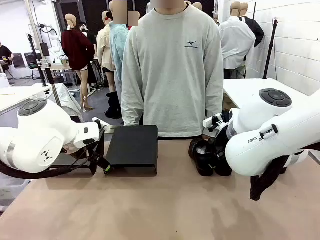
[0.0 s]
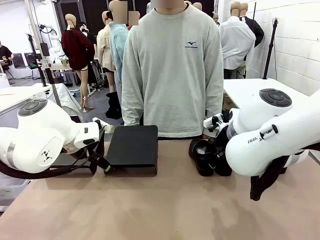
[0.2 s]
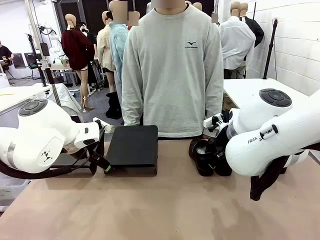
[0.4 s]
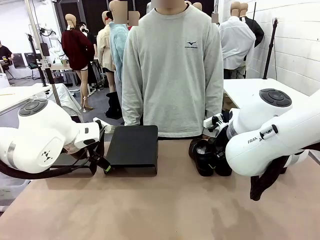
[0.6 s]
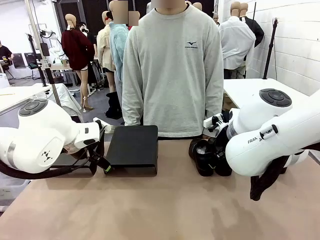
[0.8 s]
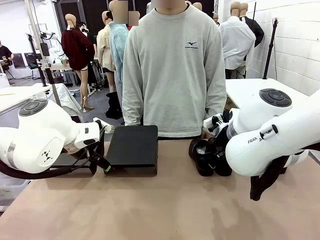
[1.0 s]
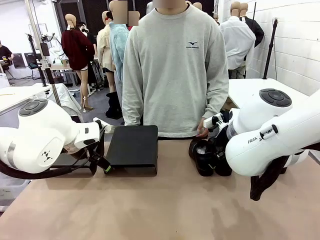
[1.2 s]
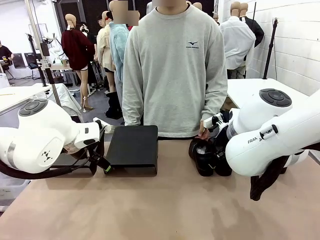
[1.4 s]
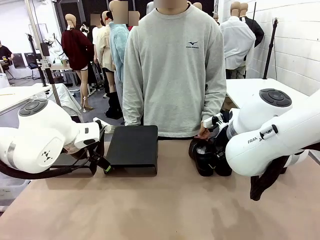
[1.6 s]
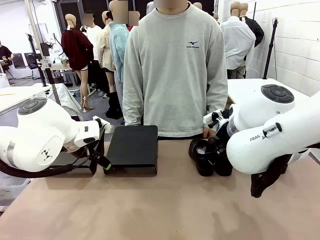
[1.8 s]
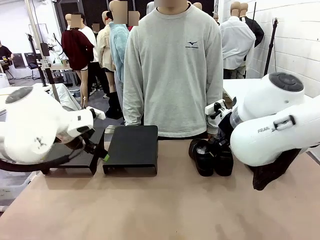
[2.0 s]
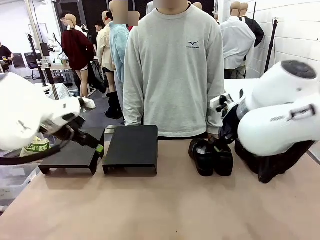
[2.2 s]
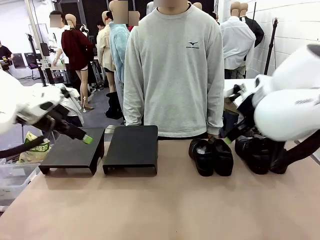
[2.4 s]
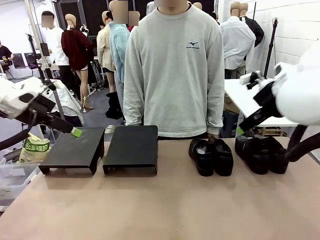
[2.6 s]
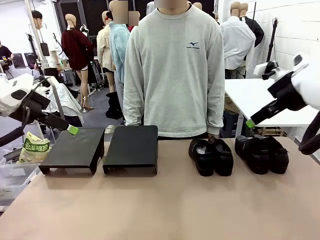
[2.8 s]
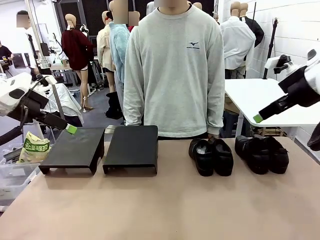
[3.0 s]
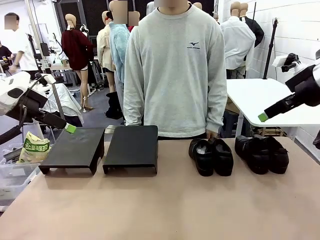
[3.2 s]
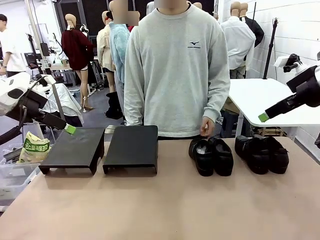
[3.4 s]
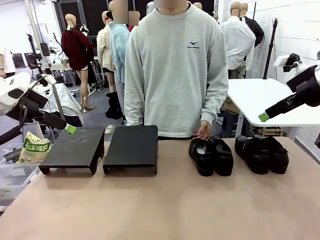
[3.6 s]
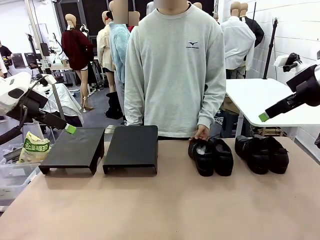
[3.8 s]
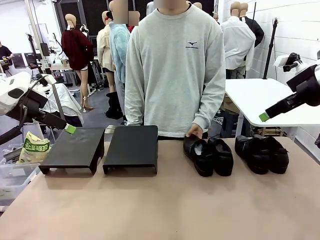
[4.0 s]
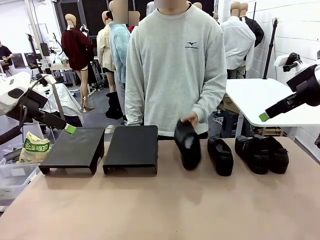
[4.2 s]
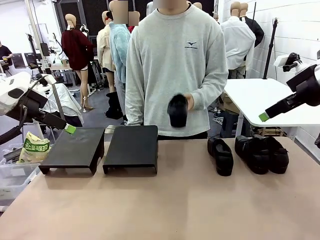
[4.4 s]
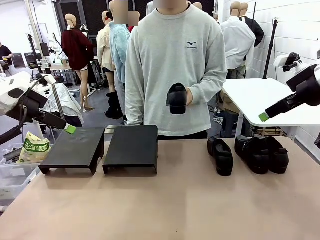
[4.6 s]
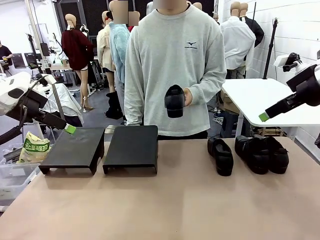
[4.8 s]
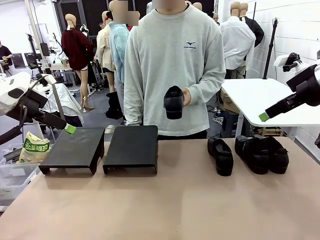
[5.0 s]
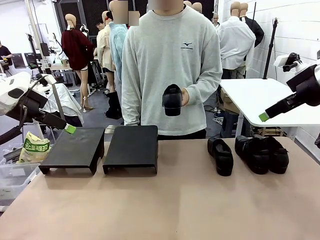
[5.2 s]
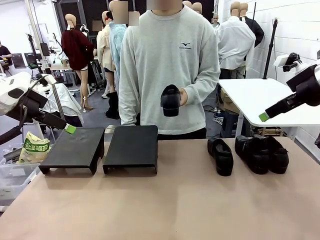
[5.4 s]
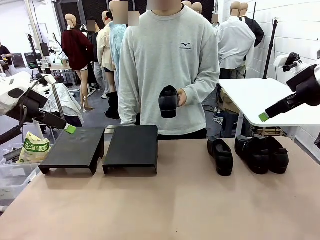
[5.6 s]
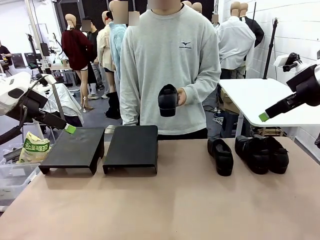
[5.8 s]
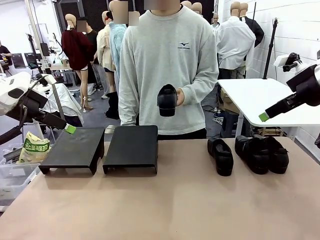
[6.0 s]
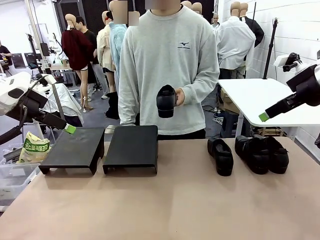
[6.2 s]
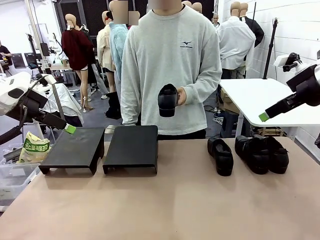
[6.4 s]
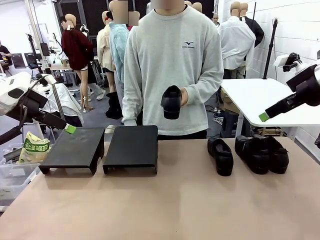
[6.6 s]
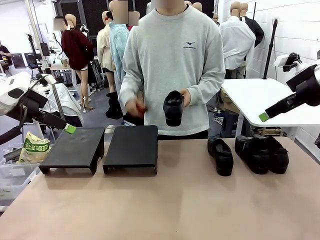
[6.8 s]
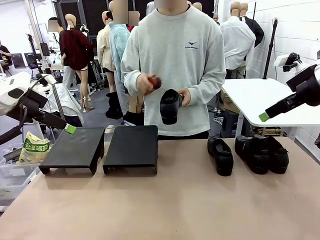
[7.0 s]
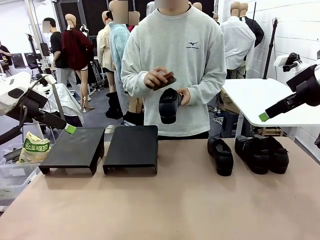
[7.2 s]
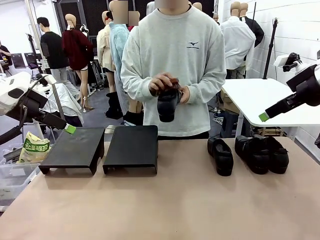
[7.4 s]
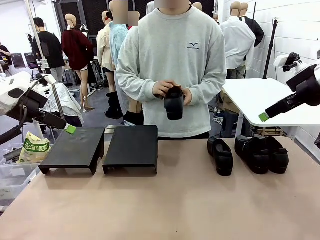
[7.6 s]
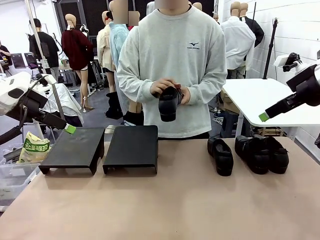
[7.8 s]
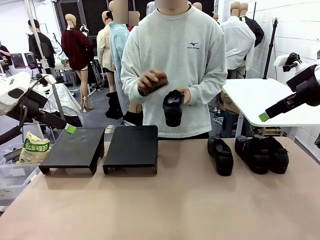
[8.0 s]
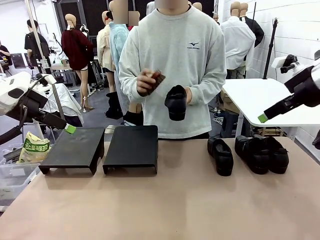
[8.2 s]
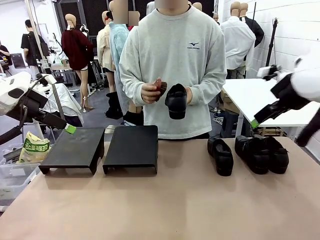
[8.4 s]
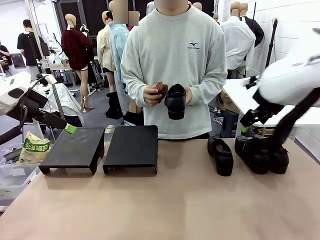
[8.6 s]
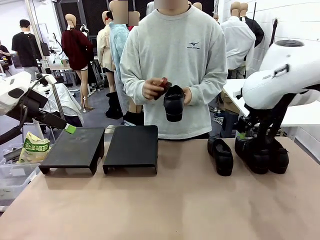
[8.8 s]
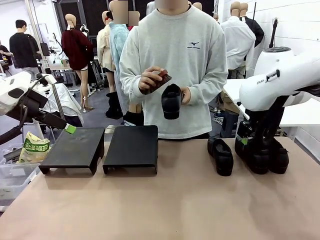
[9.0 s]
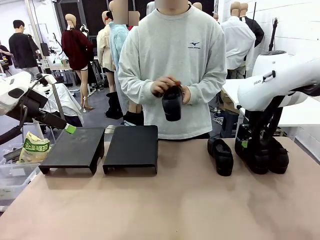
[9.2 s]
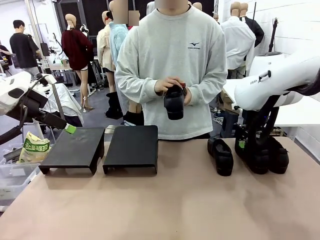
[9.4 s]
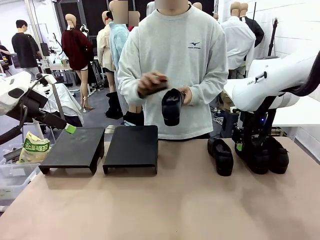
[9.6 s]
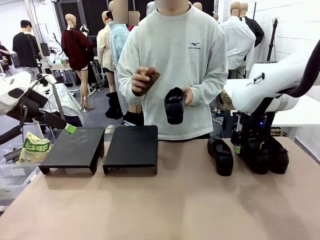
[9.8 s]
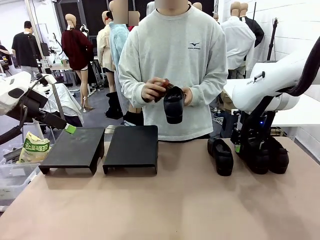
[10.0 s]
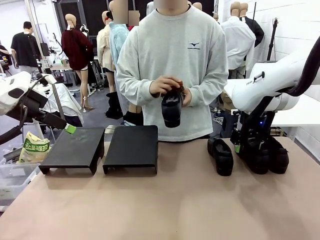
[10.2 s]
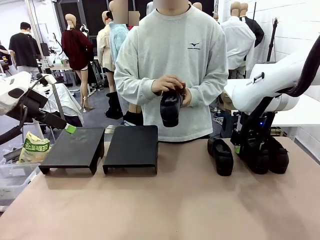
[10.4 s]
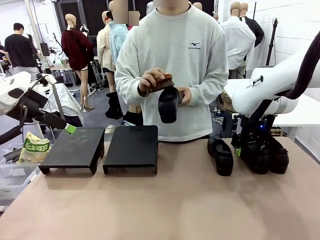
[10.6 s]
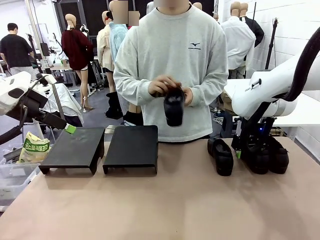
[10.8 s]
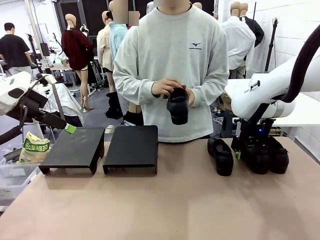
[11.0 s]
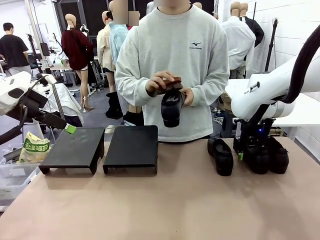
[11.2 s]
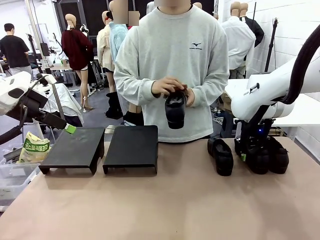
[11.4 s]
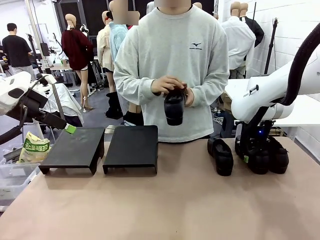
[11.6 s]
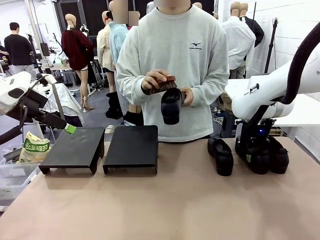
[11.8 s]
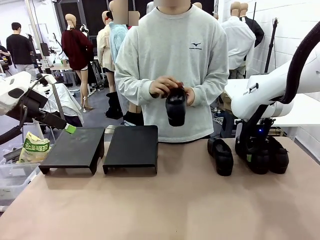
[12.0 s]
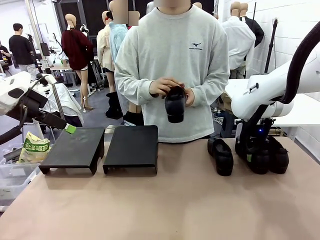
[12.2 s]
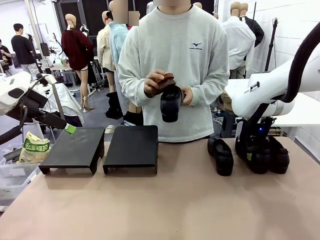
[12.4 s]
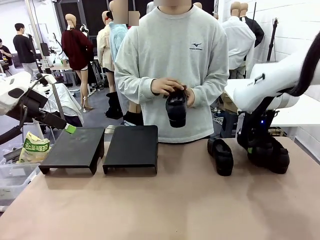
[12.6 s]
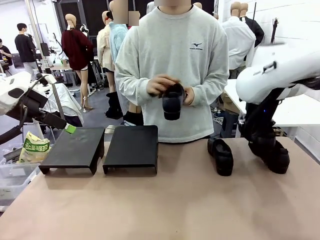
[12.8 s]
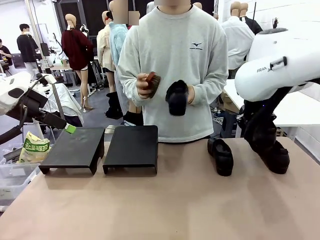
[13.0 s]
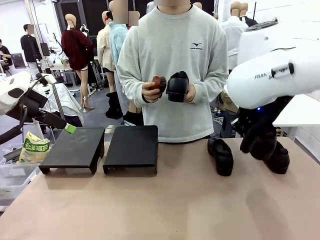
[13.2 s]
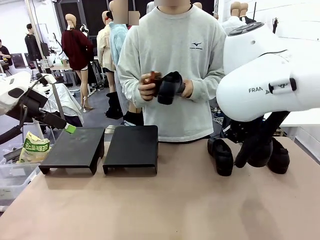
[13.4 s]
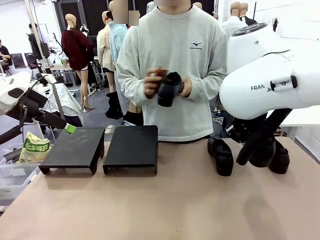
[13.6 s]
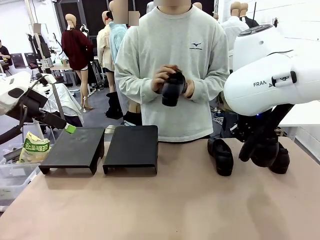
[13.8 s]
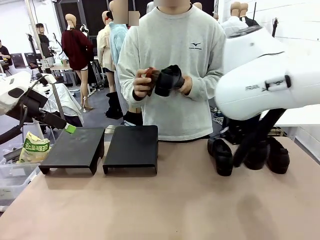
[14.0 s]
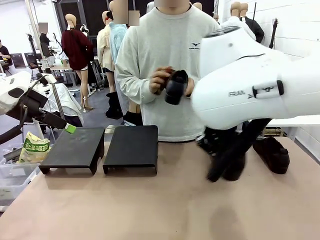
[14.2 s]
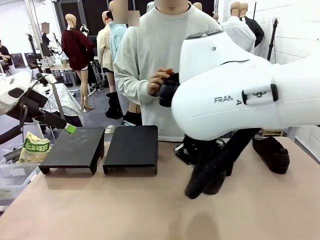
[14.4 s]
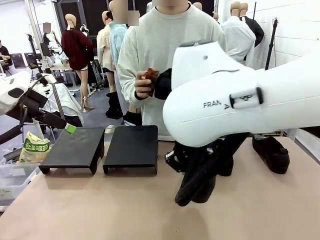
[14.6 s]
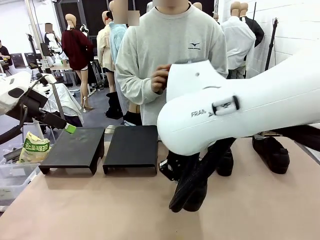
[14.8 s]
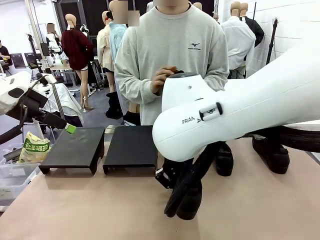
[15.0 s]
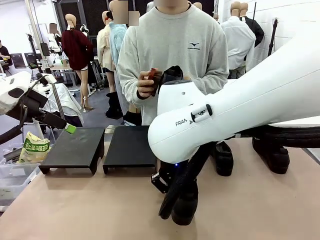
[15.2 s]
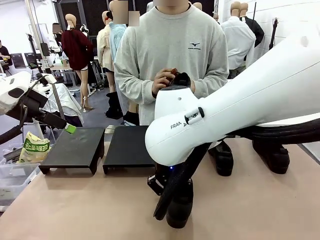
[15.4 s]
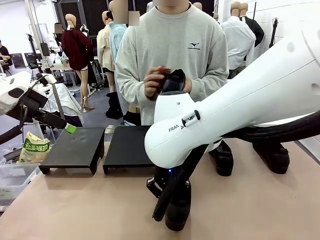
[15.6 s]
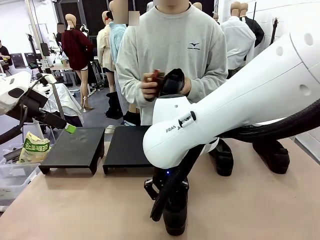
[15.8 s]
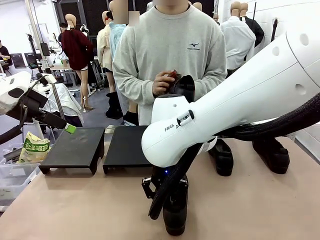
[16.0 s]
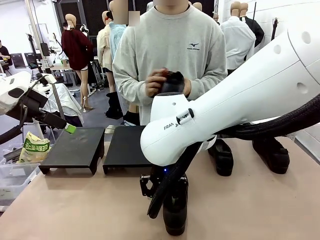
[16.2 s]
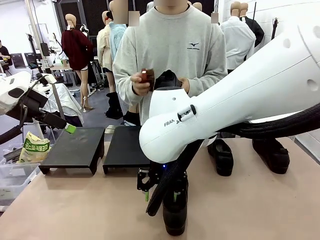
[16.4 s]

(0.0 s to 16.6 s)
Task: Organize the shoes by placing them on the stand.
Robot: Pick up one Shoe and place it in the middle of the table.
Person: Pick one Shoe on Robot's table. Clean the Shoe with the Shoe Brush.
